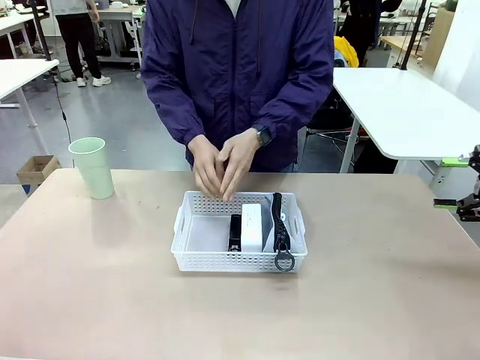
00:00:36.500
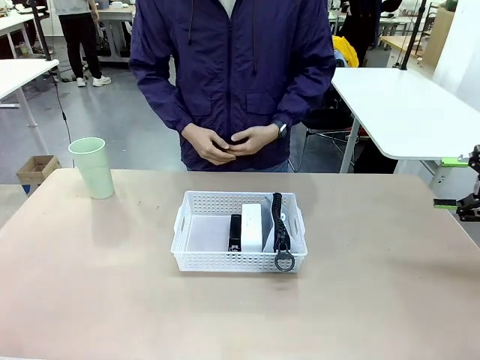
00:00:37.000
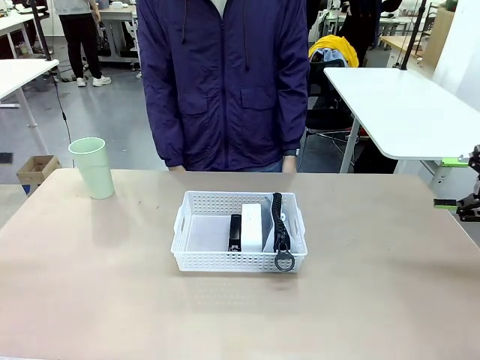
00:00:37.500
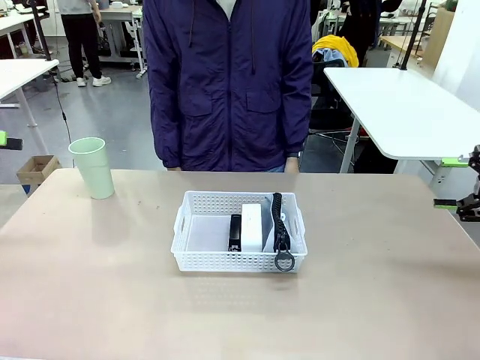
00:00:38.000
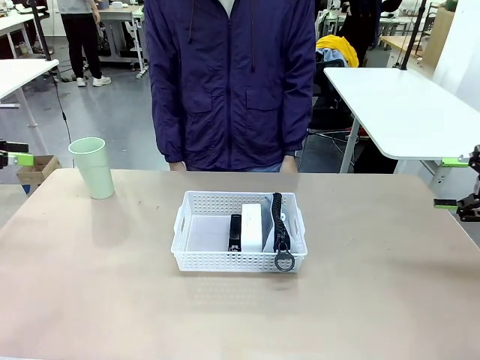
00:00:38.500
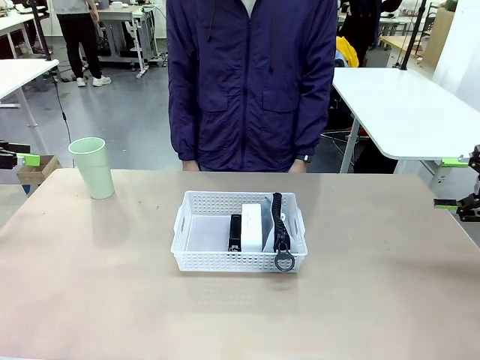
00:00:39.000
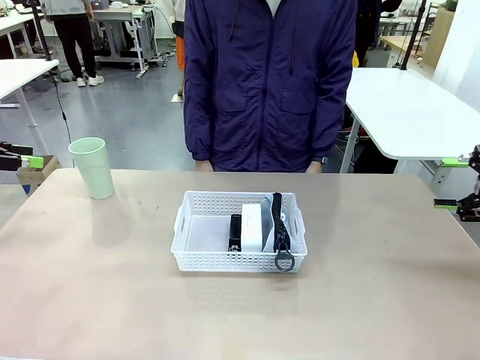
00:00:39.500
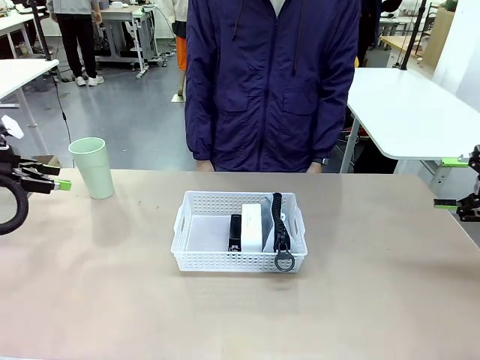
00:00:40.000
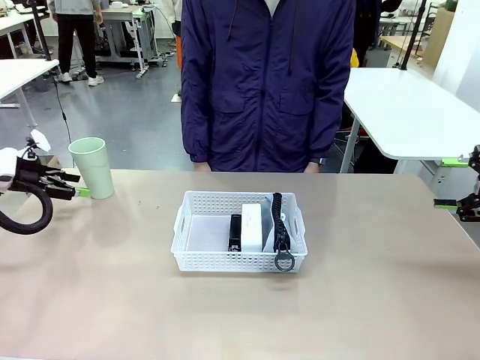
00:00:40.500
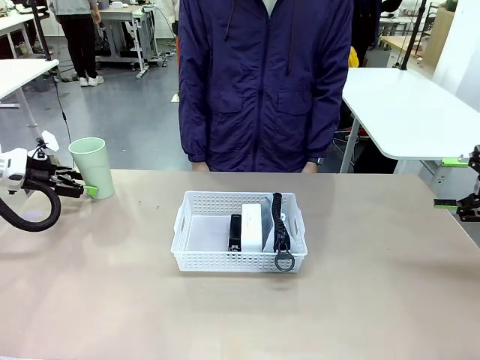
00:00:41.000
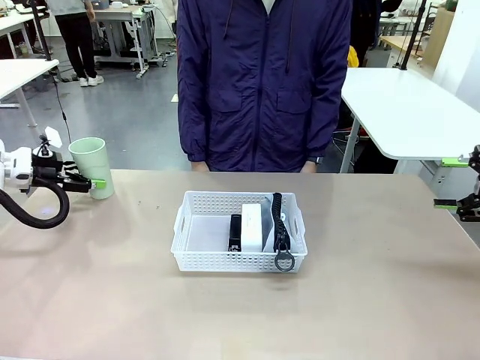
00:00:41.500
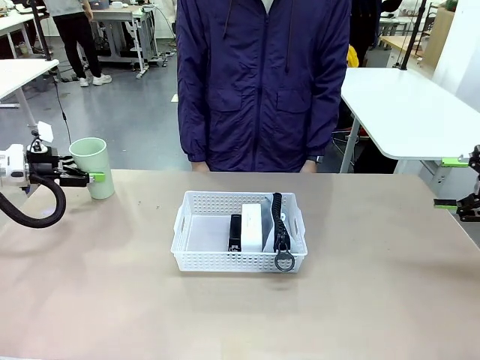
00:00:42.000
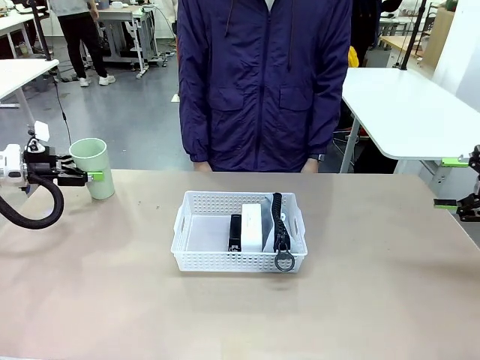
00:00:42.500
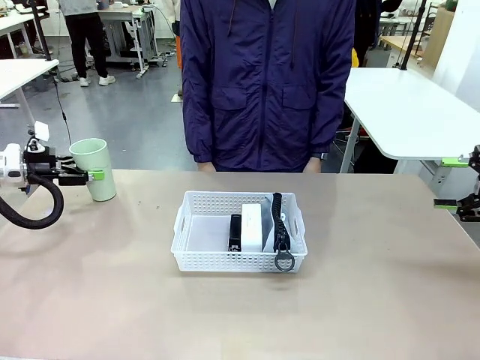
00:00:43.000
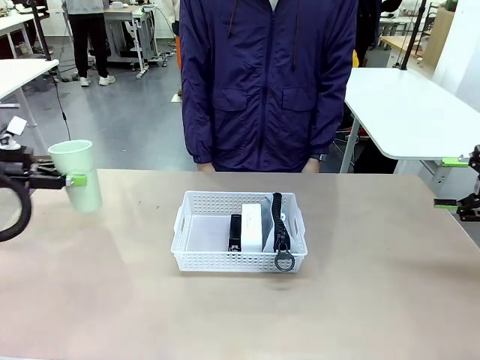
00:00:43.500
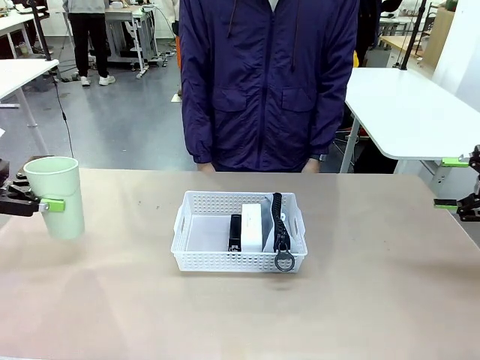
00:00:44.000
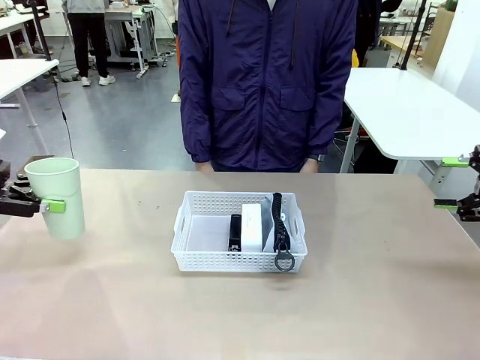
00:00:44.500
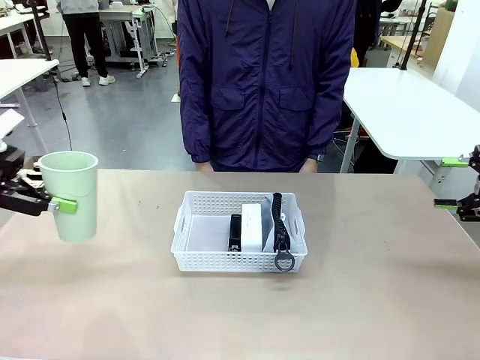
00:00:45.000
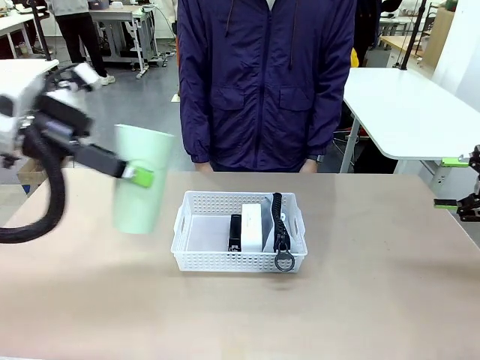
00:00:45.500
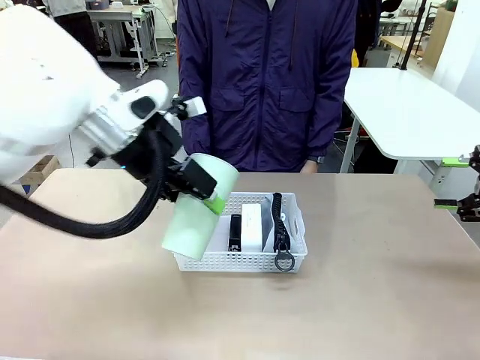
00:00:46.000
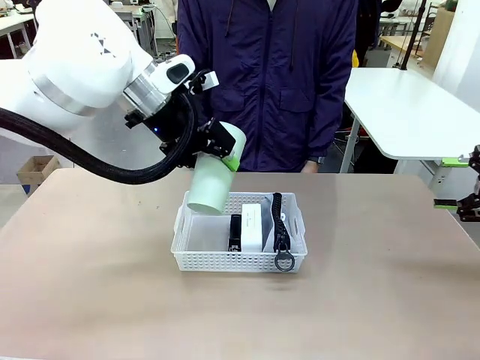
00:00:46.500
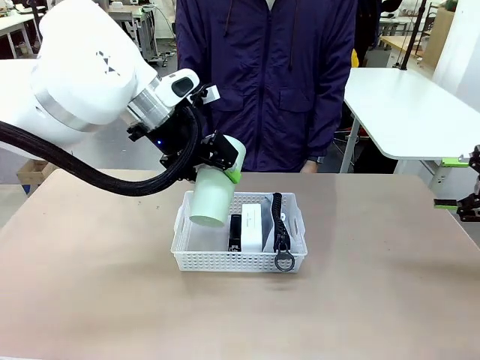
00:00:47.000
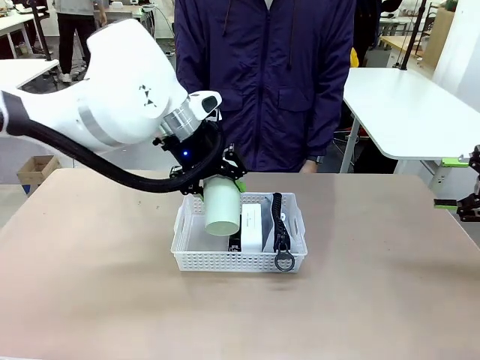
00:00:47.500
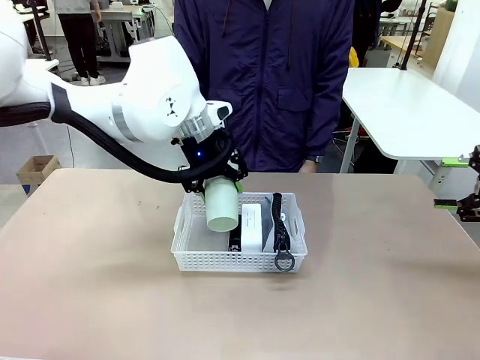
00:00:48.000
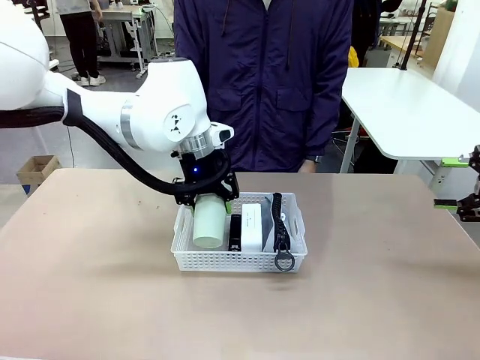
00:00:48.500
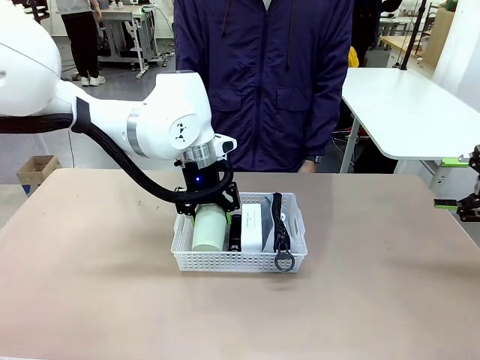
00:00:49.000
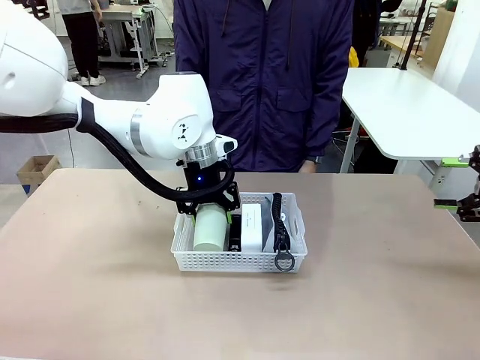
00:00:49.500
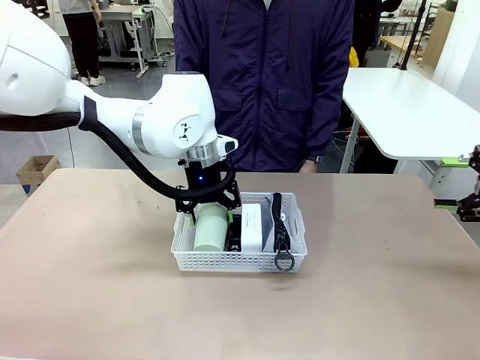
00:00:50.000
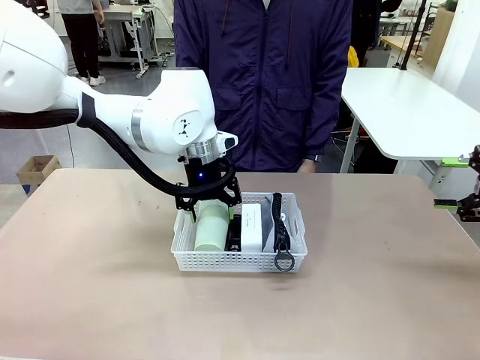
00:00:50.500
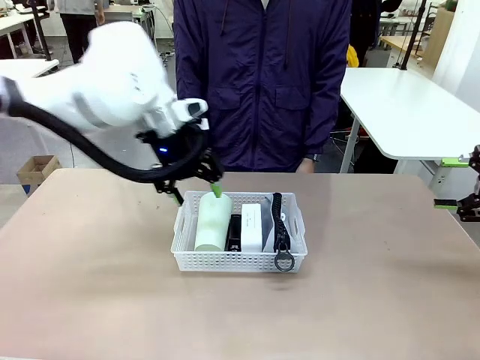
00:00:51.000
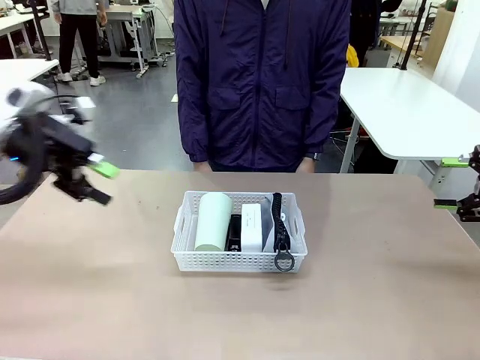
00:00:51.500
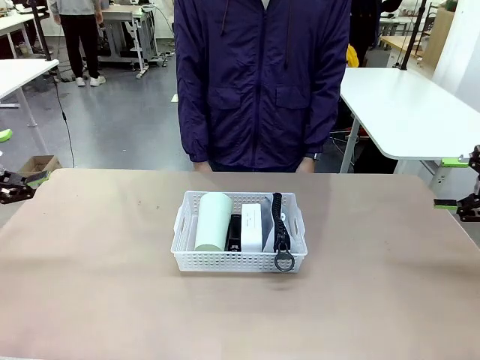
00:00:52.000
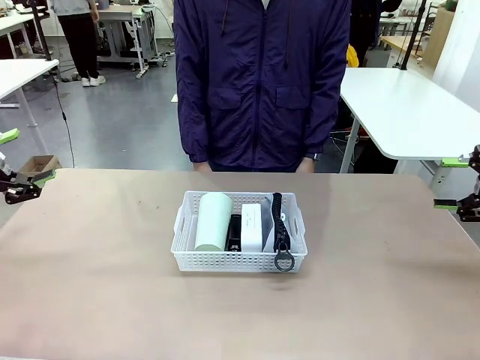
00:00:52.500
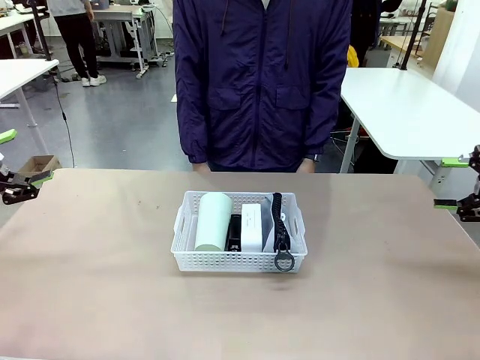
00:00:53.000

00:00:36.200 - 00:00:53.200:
Task: Efficiently arrange items inside the basket to fit them all.
Robot: Pick up the Reusable plastic cup and place it inside the Organizing basket.
Person: Repositions the stapler.

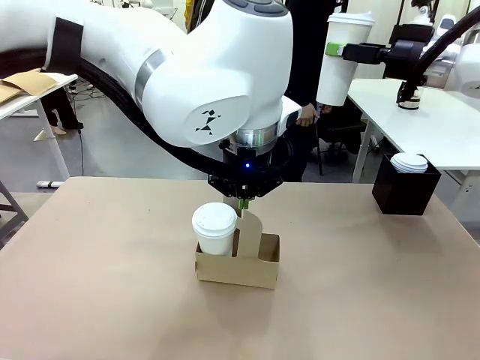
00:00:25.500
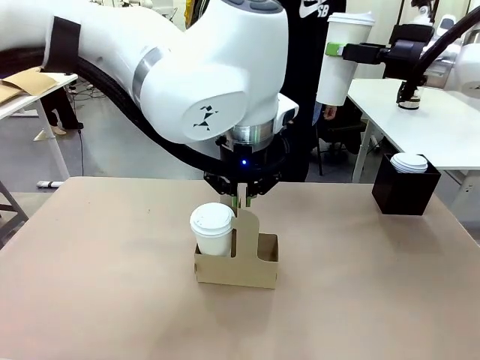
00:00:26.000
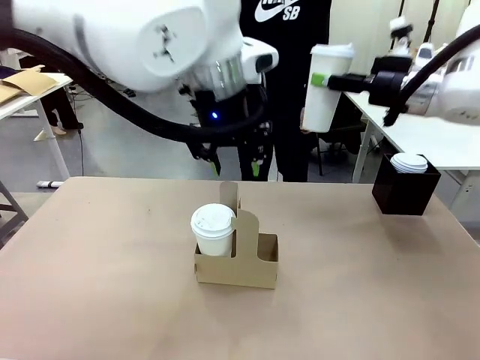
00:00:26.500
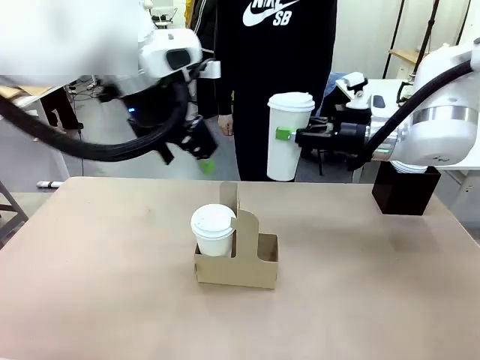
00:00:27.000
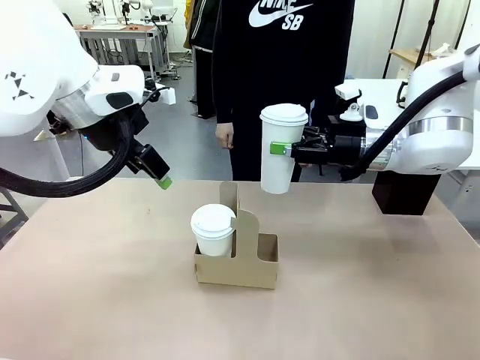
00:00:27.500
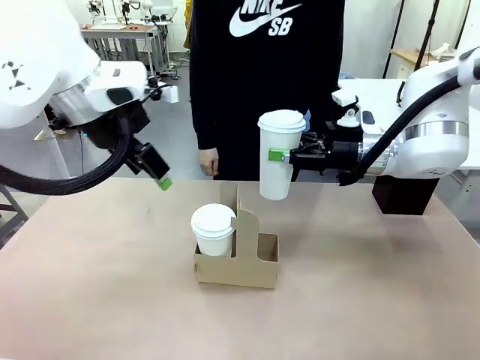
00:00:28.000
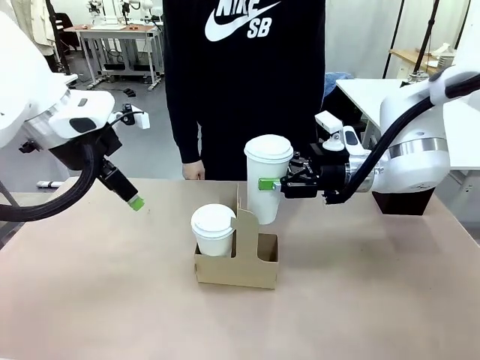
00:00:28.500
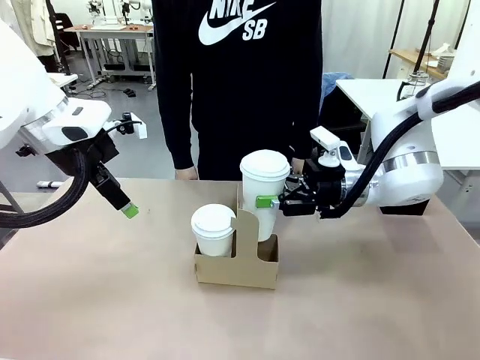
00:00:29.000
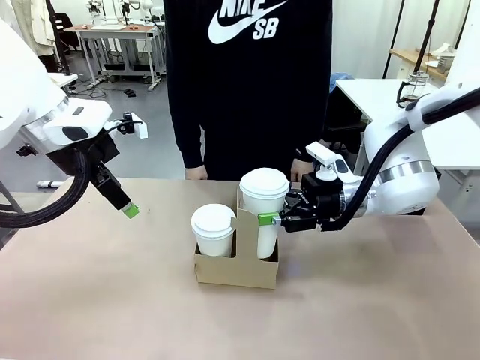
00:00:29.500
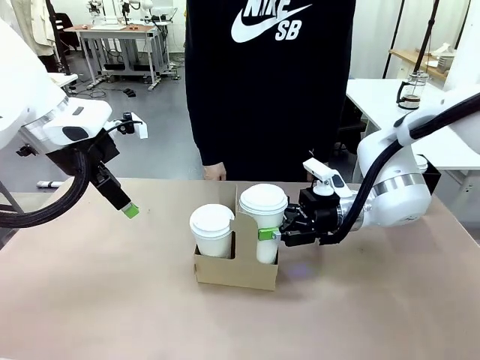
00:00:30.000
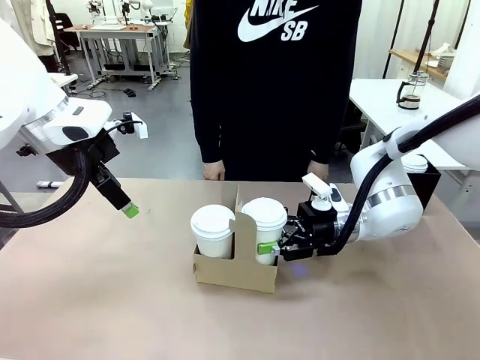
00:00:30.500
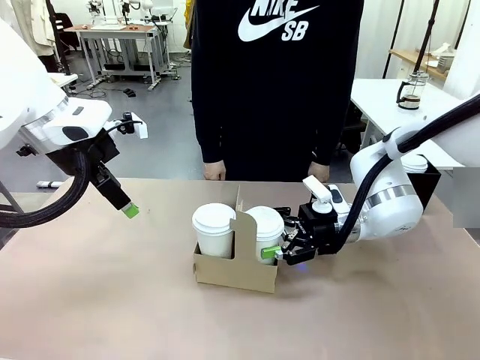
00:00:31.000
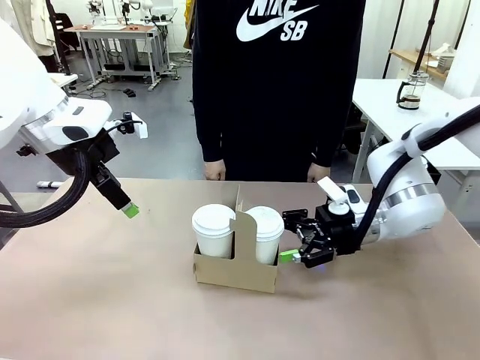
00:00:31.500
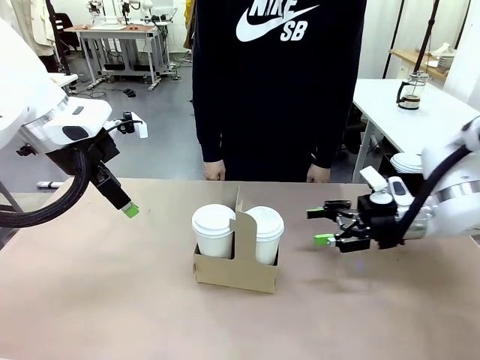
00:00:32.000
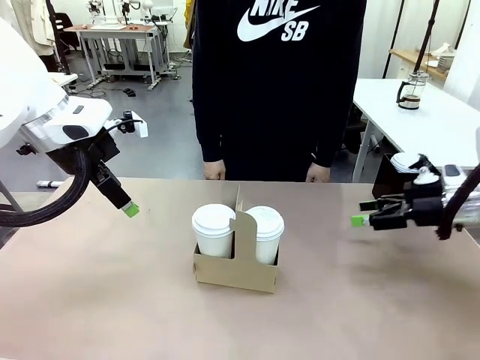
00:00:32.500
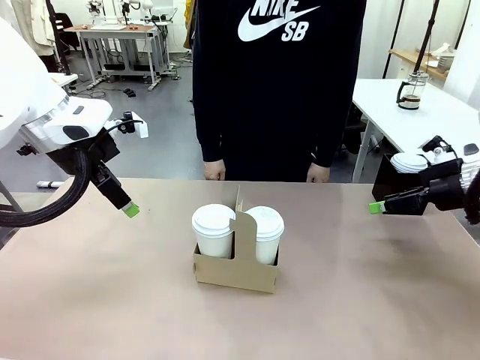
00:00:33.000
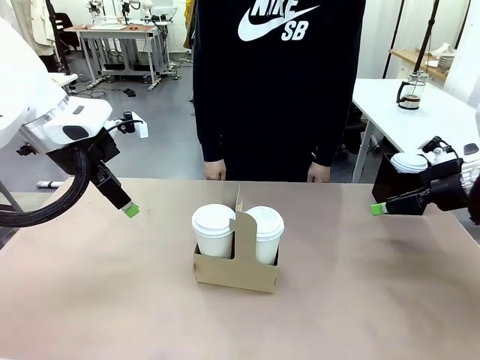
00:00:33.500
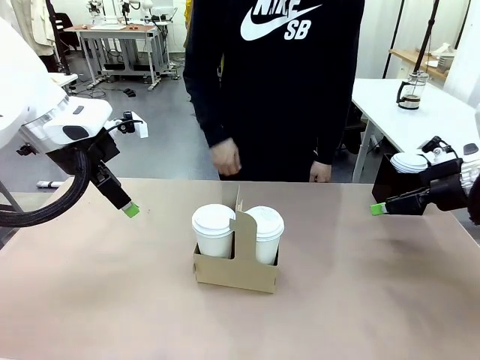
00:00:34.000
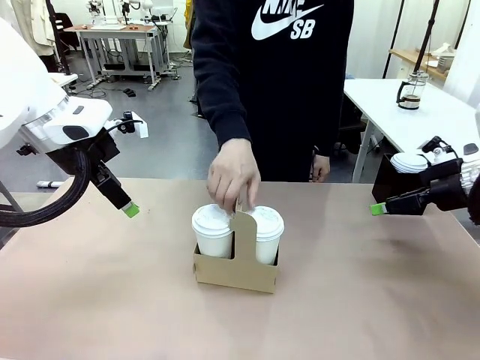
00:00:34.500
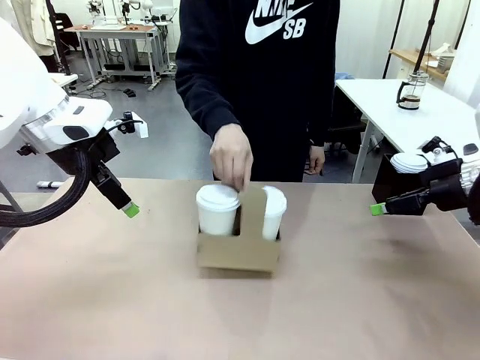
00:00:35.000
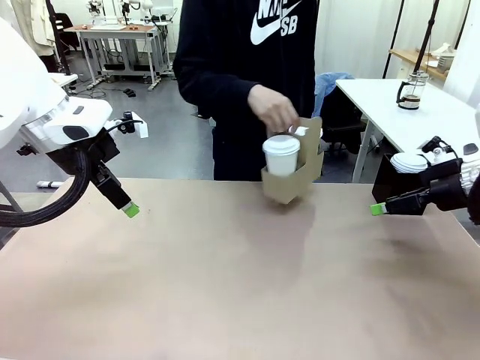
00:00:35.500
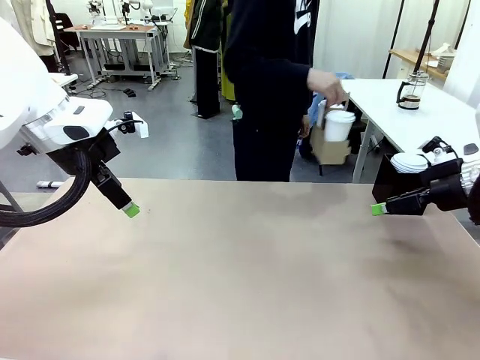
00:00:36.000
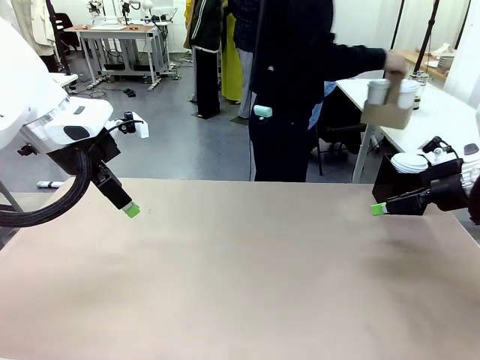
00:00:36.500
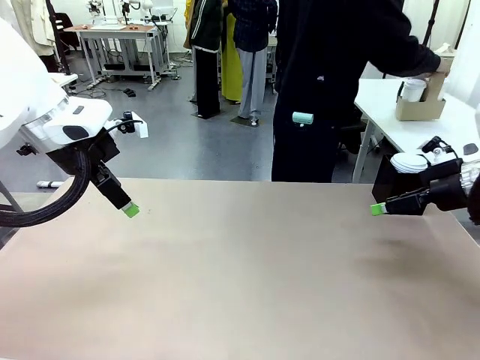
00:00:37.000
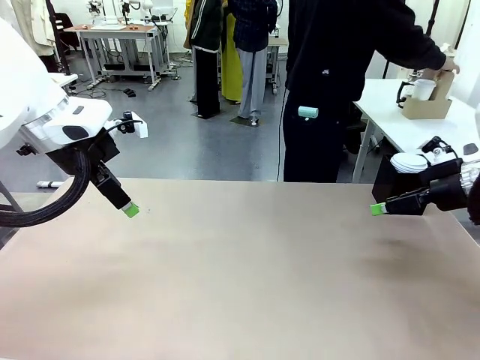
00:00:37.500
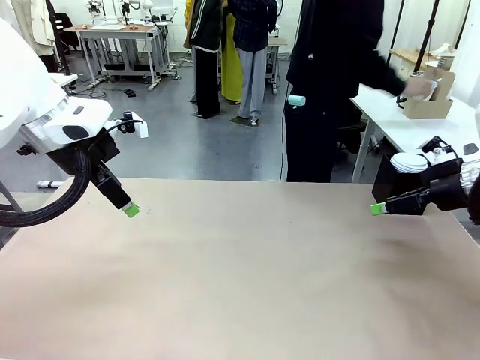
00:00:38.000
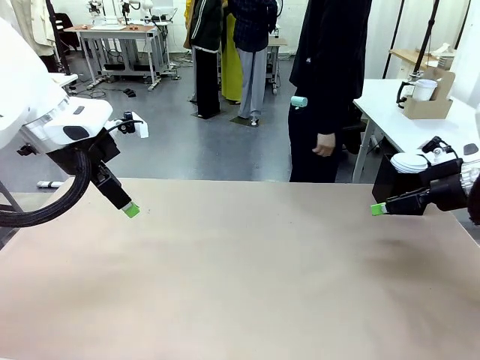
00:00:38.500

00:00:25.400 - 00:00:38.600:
Task: Pour a drink into a cup and package it in a carrier.
Robot: Insert the held 600 ml Paper Cup into the Cup Carrier.
Person: Place the Cup Carrier to the middle of Human table.
